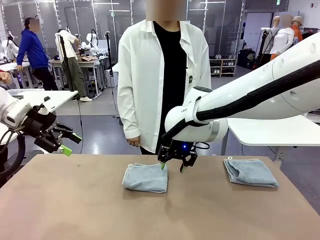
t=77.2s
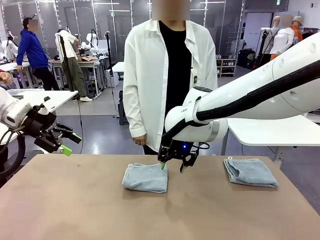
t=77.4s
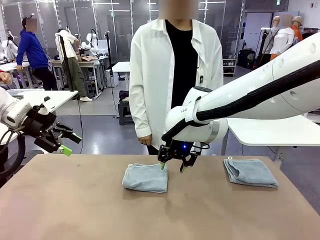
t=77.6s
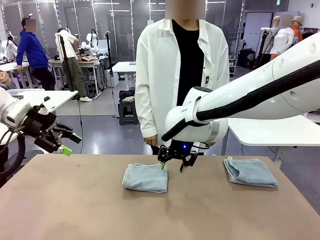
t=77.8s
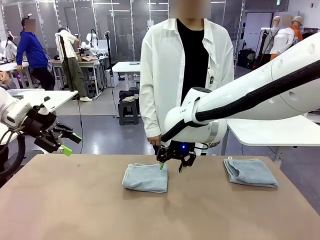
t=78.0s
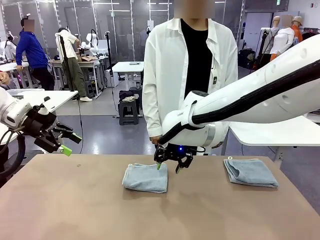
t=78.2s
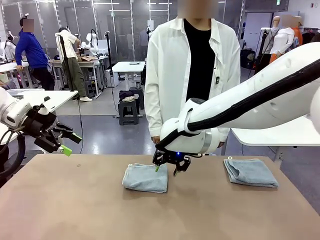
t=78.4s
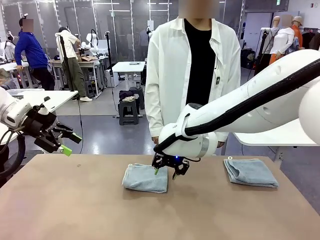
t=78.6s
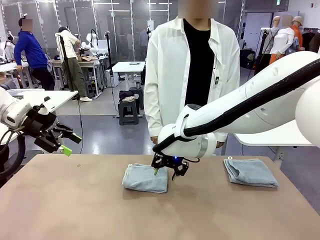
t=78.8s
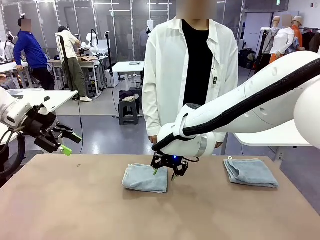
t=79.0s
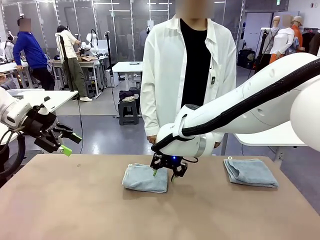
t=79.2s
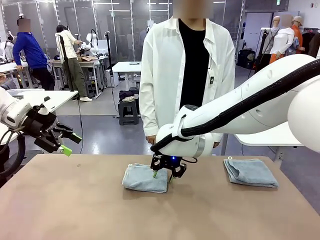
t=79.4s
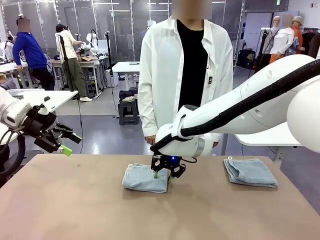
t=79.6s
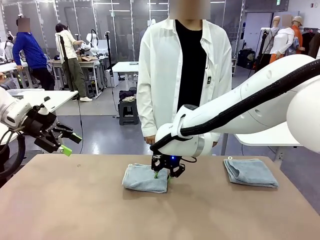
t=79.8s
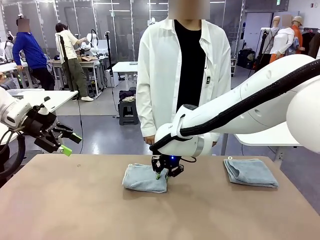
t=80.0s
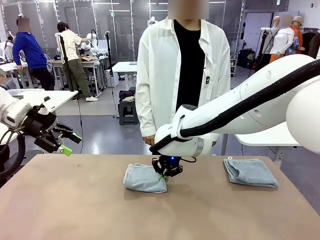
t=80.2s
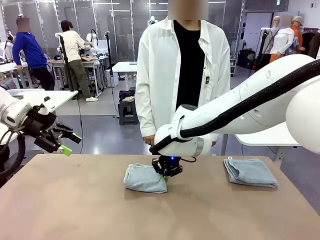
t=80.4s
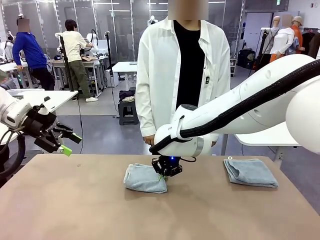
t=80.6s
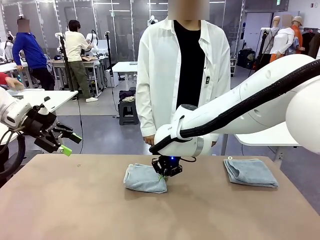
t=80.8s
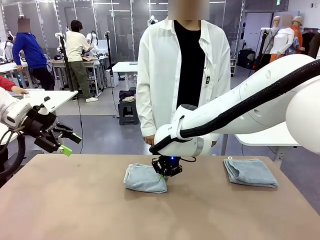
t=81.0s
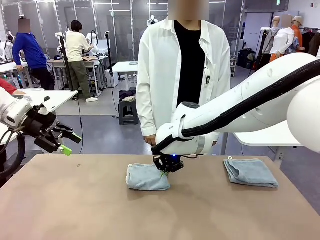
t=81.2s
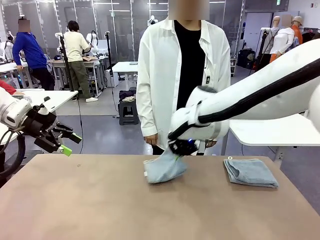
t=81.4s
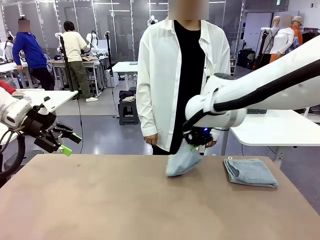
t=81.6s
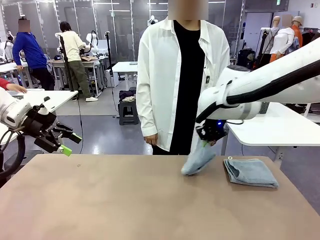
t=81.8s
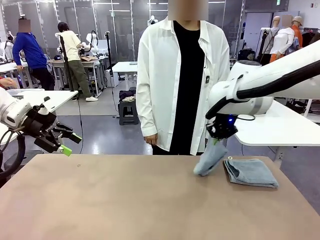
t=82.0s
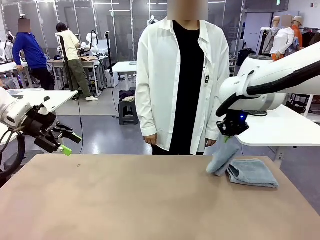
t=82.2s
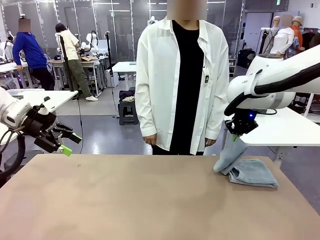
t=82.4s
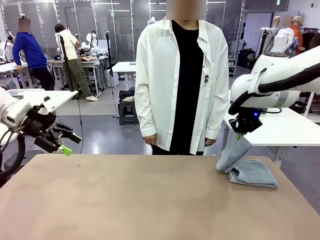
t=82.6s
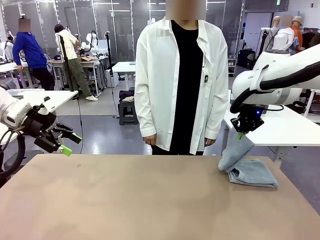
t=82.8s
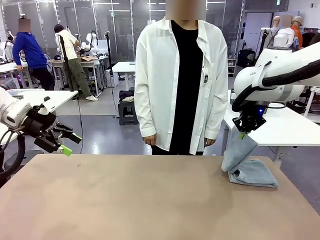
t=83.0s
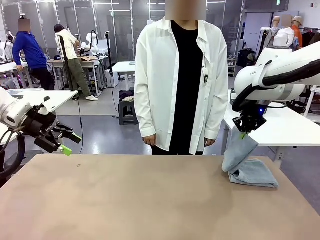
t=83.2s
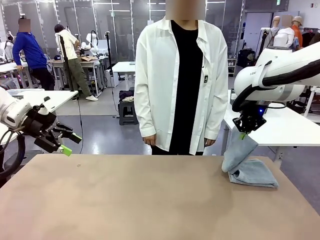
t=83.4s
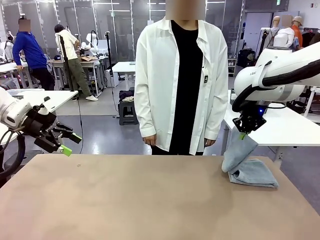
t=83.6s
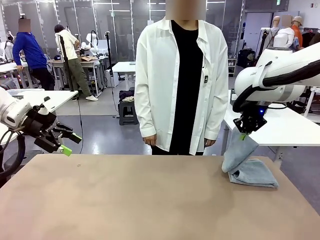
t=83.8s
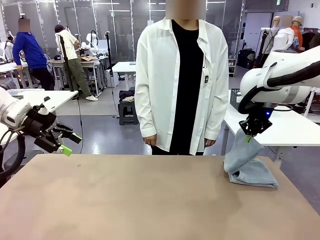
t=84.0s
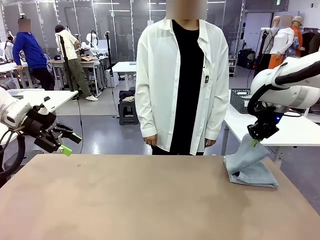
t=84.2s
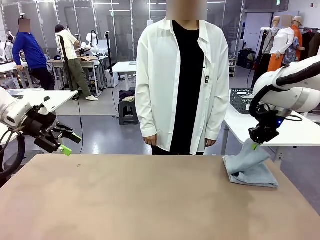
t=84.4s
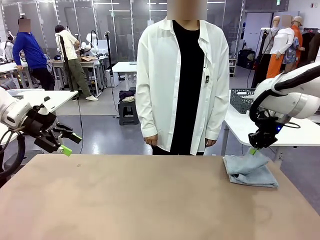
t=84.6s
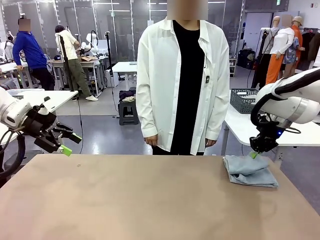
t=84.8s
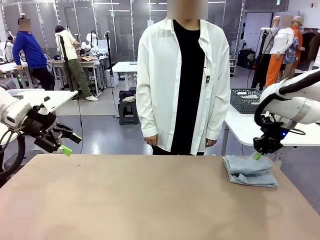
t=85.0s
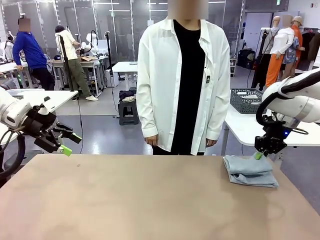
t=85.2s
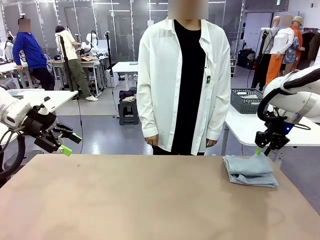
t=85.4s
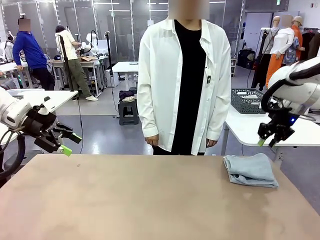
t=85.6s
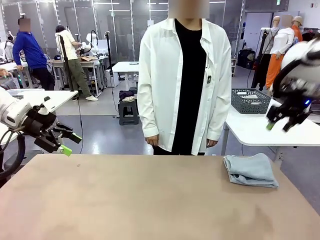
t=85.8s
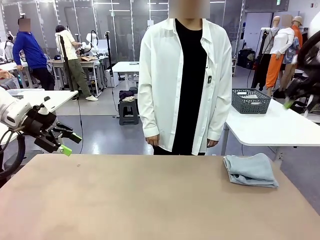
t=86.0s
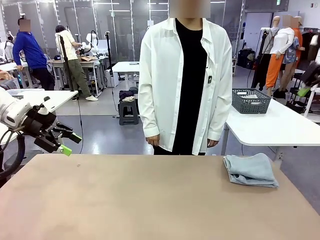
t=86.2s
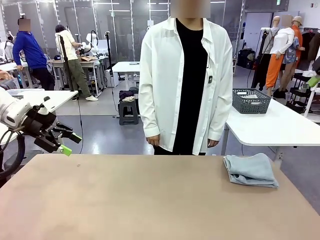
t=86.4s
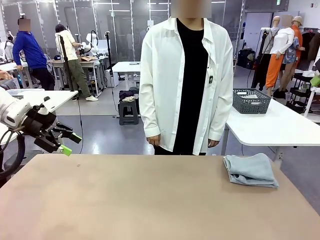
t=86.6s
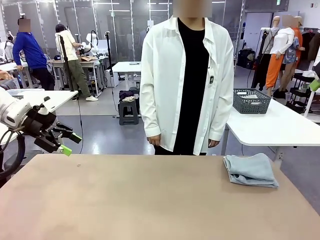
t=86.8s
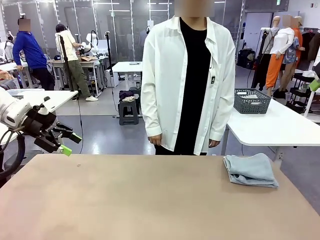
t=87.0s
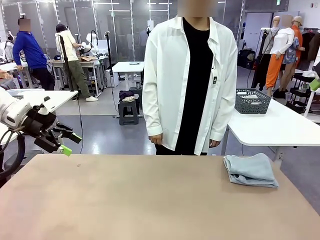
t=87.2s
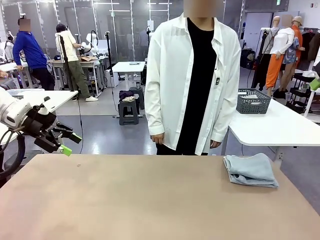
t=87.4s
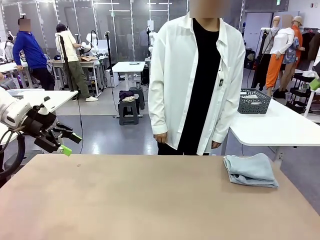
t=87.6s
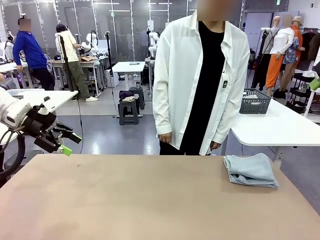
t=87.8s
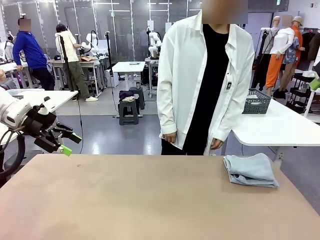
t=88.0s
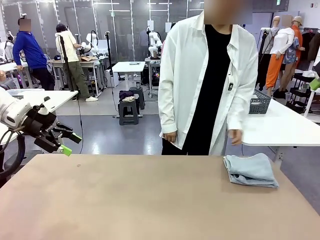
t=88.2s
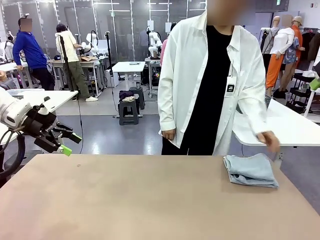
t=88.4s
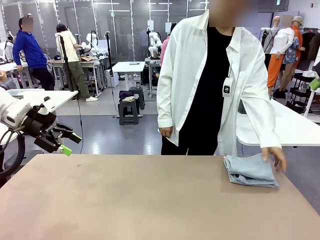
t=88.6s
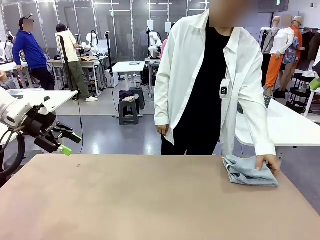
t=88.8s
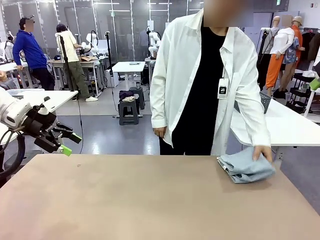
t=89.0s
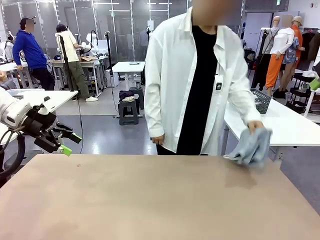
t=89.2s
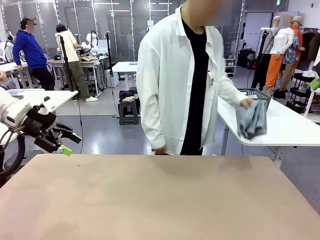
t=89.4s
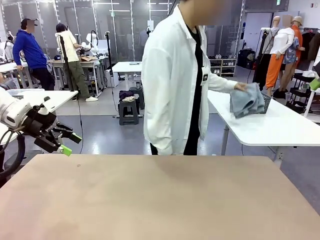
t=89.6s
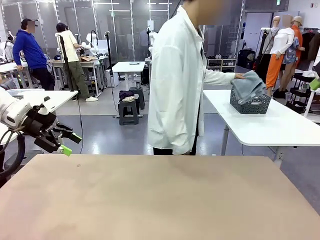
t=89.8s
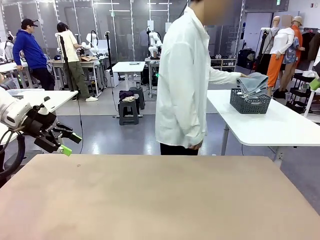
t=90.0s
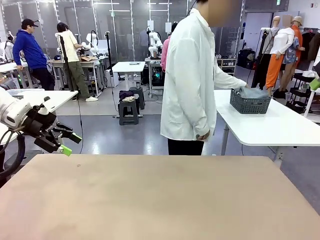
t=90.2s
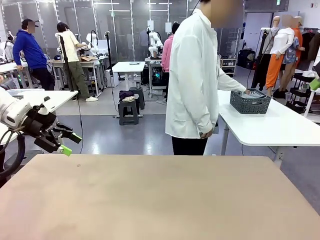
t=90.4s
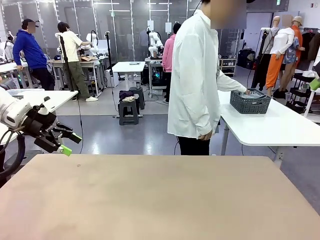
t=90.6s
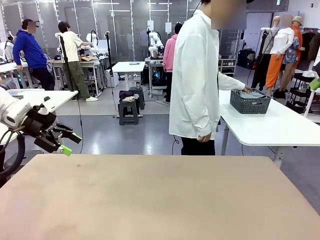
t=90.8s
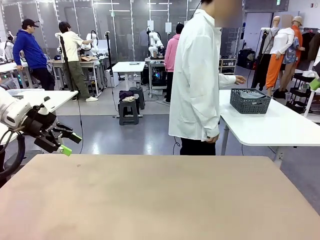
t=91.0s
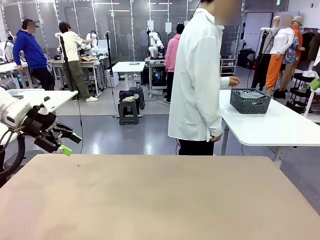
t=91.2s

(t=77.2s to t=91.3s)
Task: Fold the towels and place them in the basket.
Robot: Stack the folded Towel with hook on the right side of the table.
Person: Pick up the stack of towels from the robot table and place it into the basket.

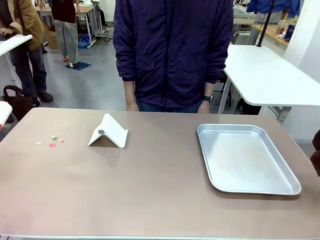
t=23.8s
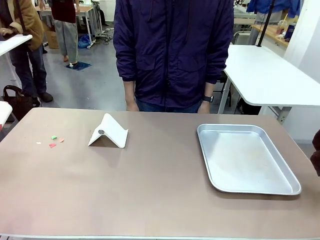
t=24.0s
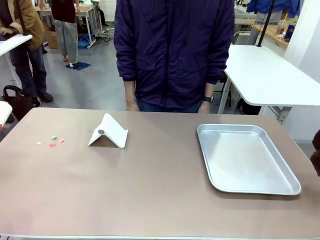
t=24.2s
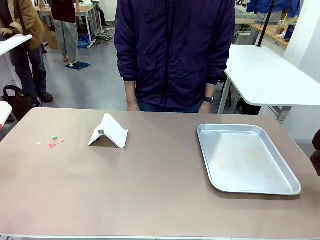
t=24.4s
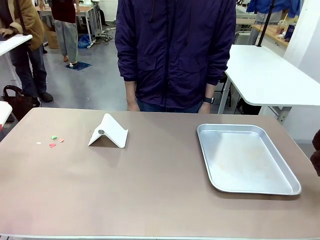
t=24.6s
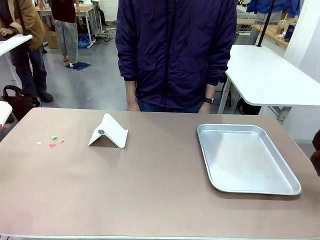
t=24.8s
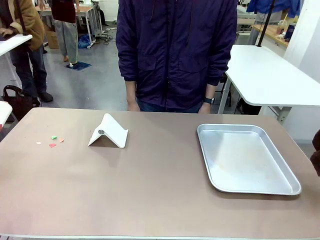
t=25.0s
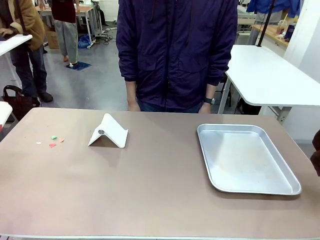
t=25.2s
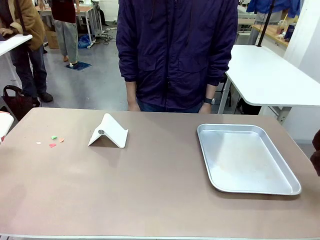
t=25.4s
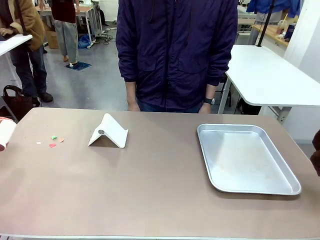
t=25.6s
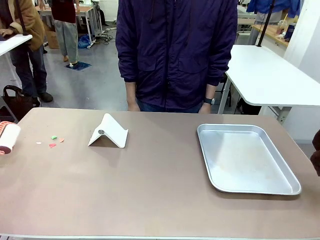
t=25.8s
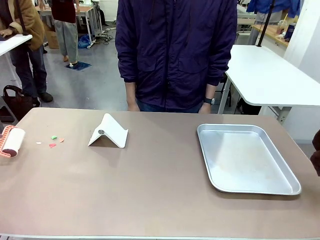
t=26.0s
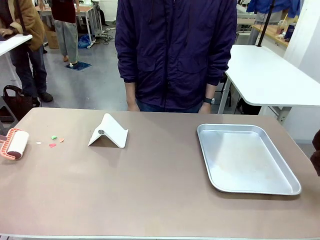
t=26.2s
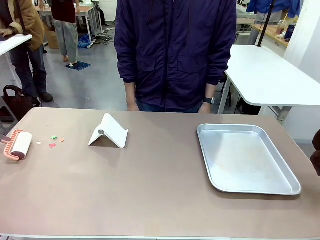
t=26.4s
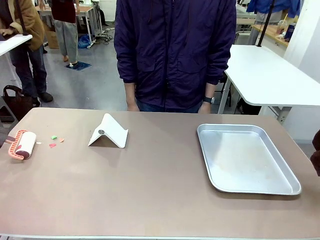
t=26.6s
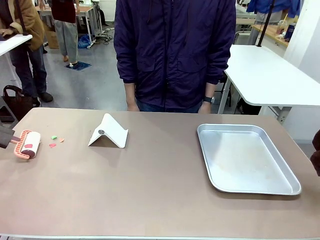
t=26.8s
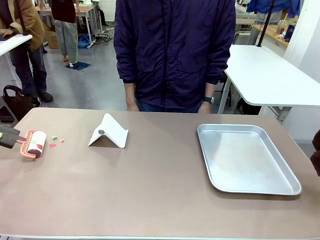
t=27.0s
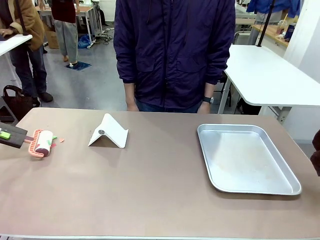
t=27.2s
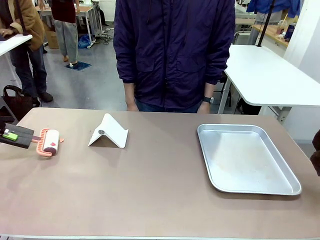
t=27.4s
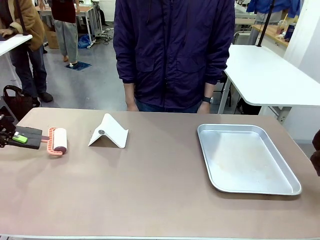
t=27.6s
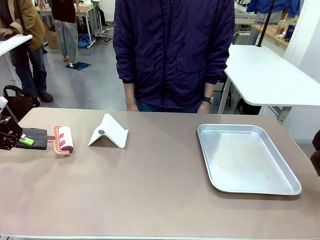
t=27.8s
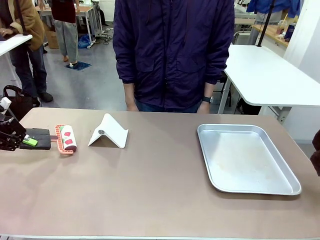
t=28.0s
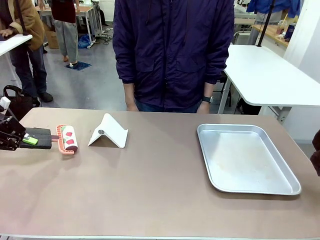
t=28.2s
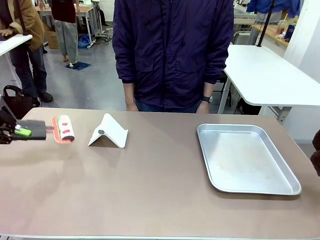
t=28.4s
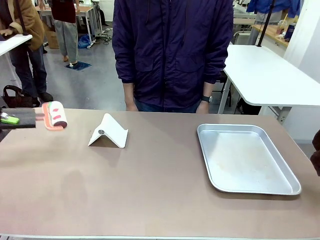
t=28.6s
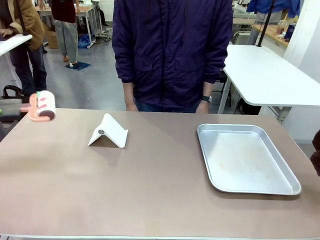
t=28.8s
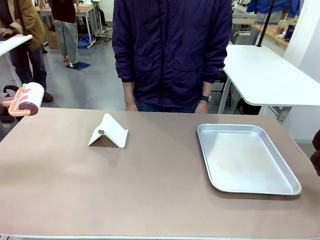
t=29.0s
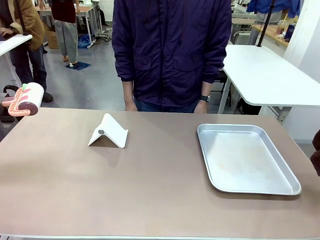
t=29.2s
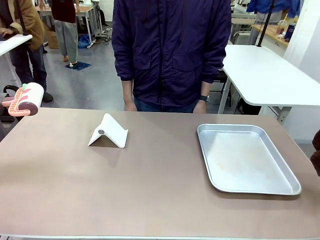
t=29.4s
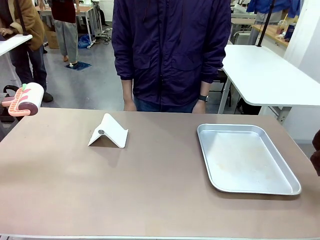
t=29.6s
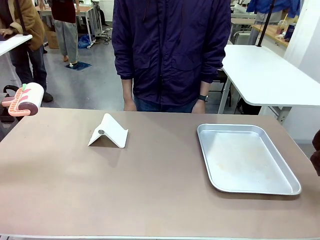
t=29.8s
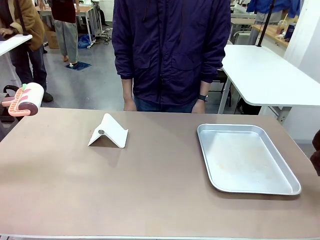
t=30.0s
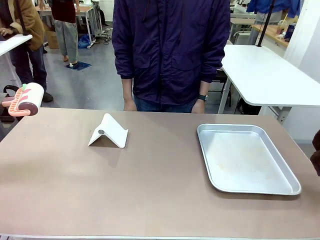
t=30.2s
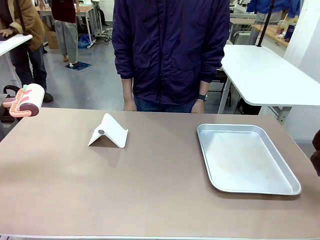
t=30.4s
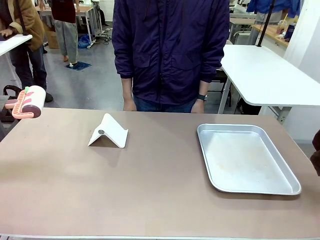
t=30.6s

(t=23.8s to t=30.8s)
Task: Clean the surface of the table.
Robot: Clean the area not pointed to by the person.
